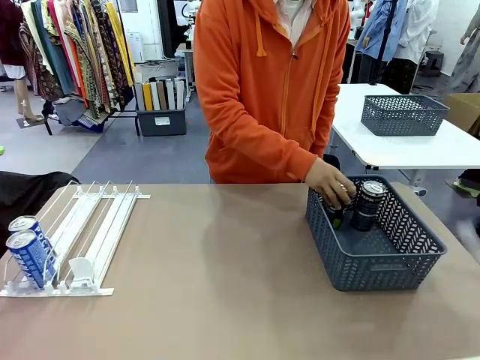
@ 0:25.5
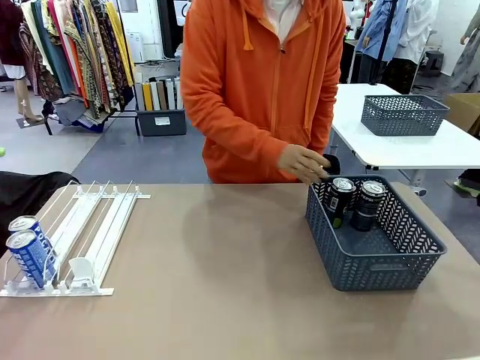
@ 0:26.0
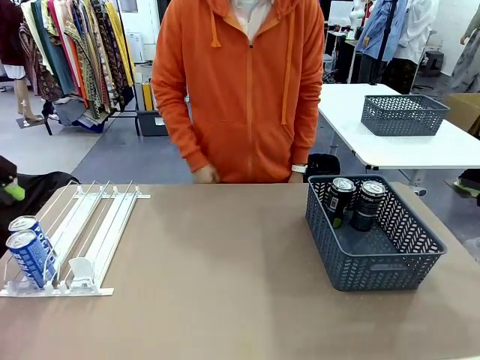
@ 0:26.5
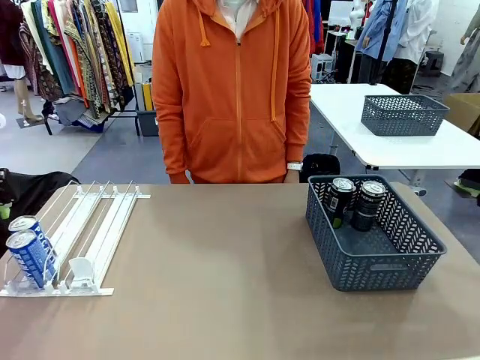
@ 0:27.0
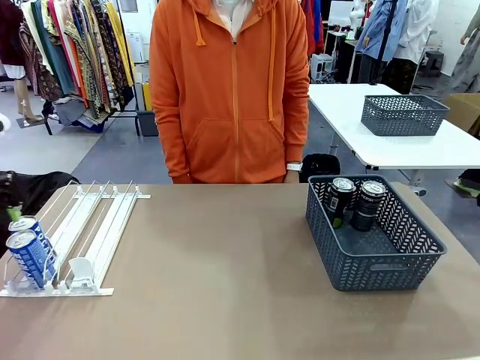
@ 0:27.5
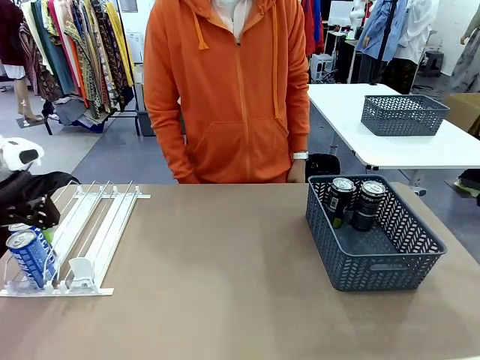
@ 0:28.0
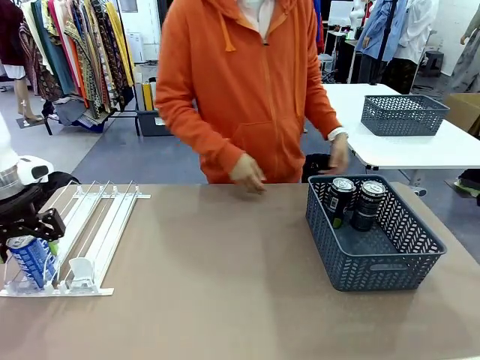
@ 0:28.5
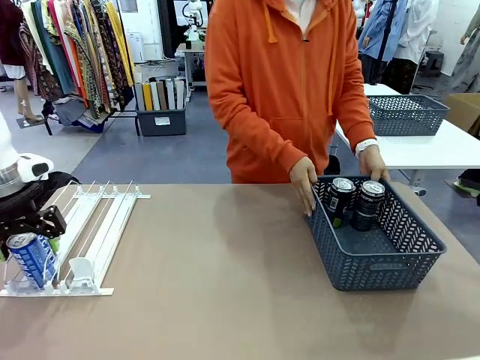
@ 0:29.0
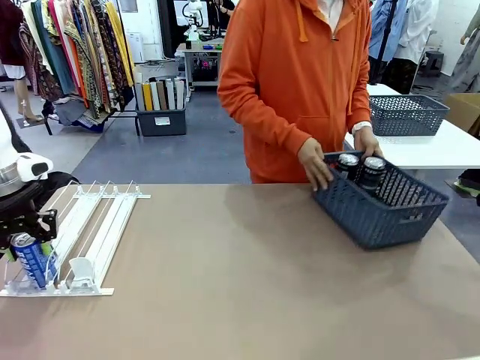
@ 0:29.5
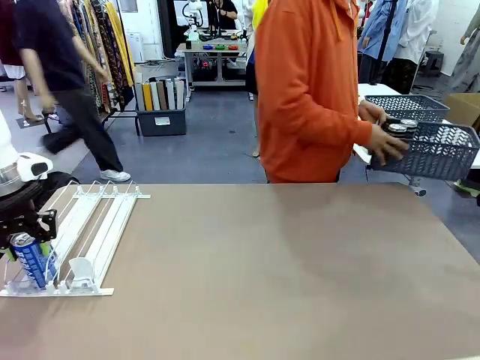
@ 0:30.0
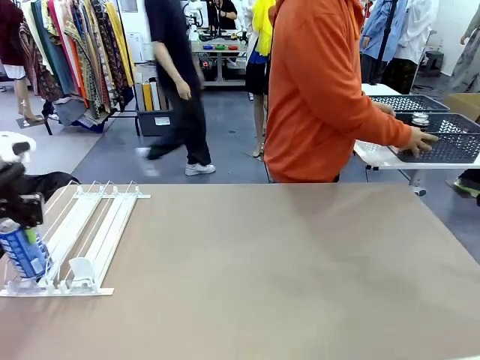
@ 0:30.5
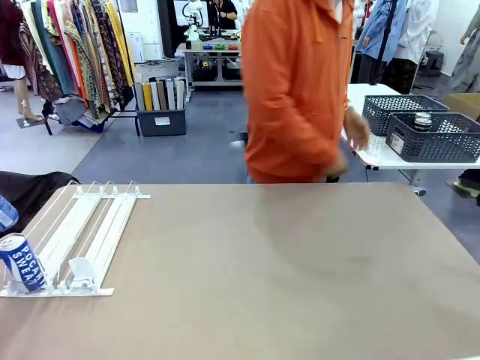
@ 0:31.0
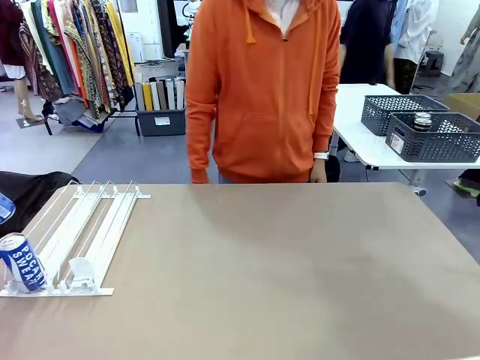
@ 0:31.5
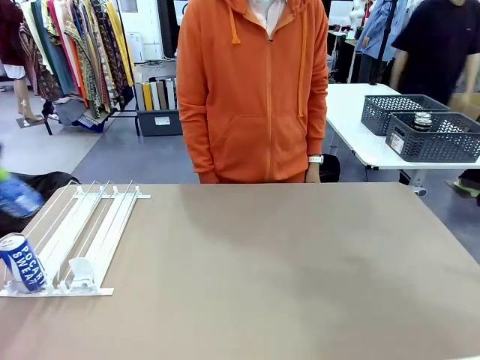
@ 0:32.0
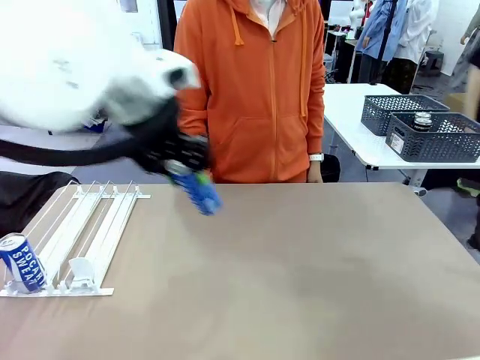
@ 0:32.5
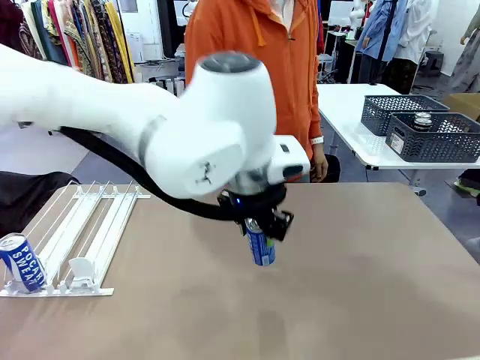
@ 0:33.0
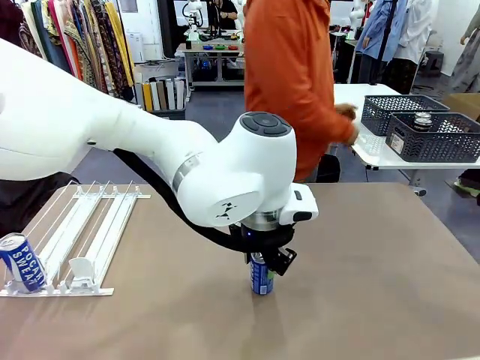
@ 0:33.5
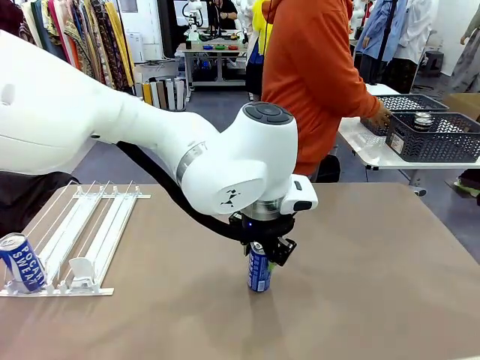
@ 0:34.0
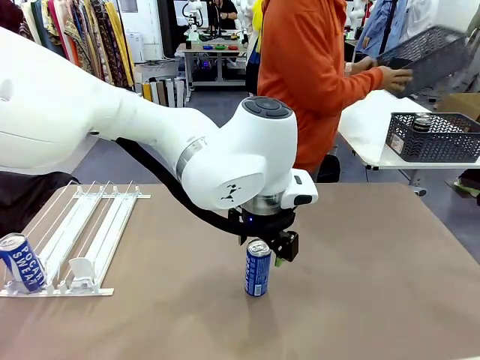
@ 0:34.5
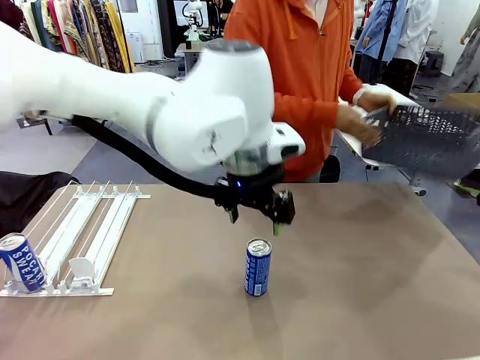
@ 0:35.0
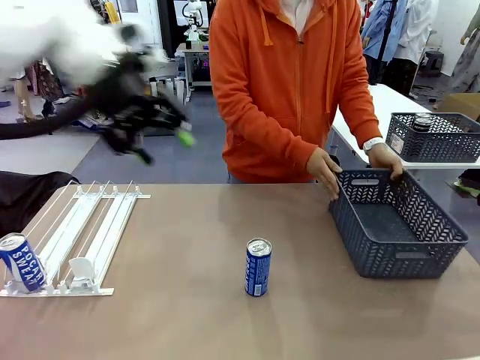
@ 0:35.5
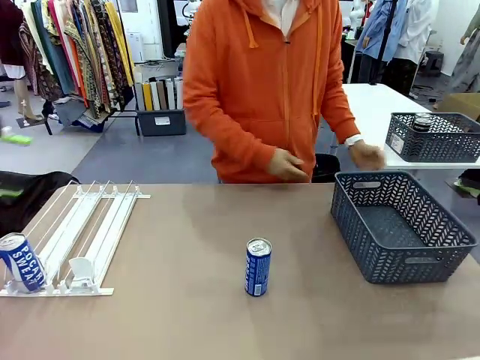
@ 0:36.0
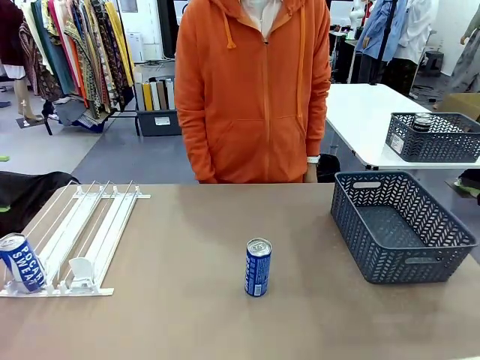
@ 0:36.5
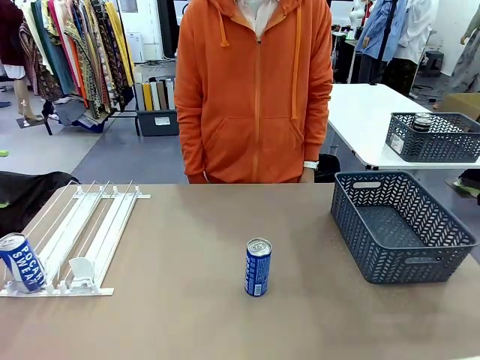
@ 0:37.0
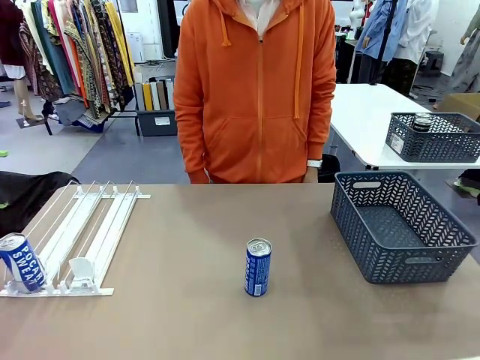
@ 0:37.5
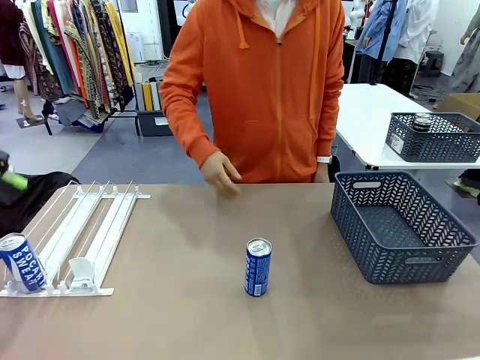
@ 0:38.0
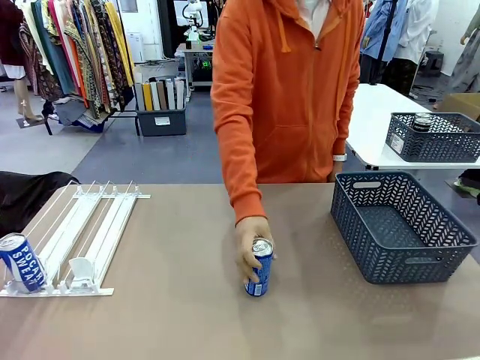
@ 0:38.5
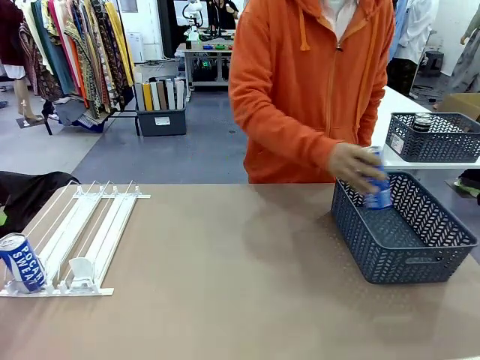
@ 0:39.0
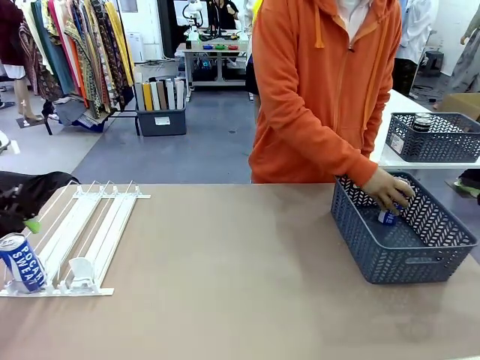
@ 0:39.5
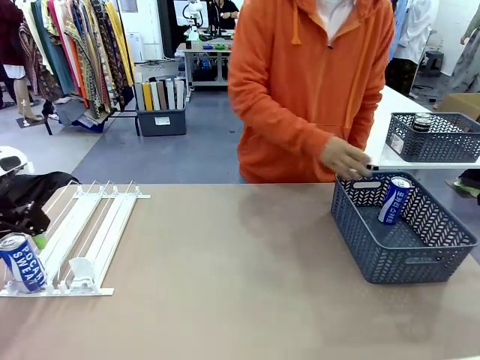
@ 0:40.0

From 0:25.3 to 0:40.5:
Task: Retrieve and store the cans from the dispenser.
Robot: Pick up one can from the Automatic Can Dispenser and place it in the middle of the table.
Person: Pick up the basket and place it in the middle of the human table. Pick up the empty basket and place it on the left side of the robot table.

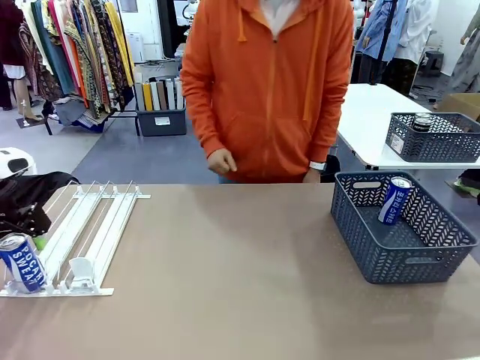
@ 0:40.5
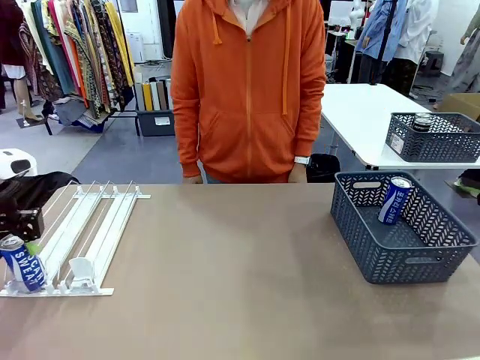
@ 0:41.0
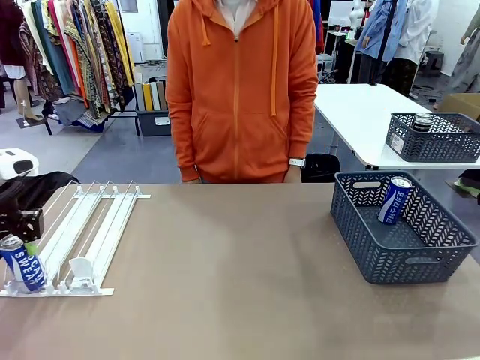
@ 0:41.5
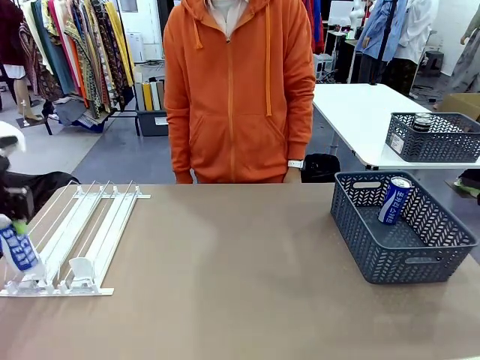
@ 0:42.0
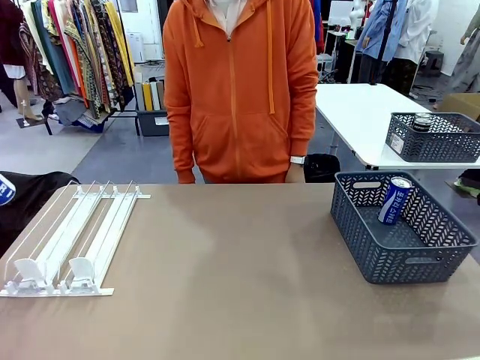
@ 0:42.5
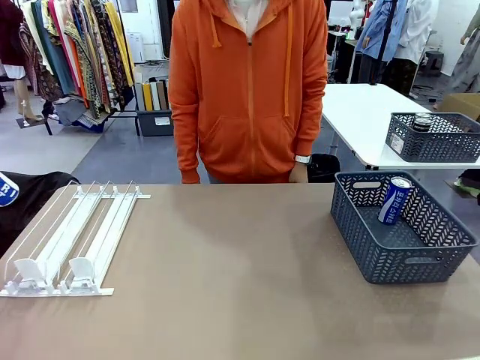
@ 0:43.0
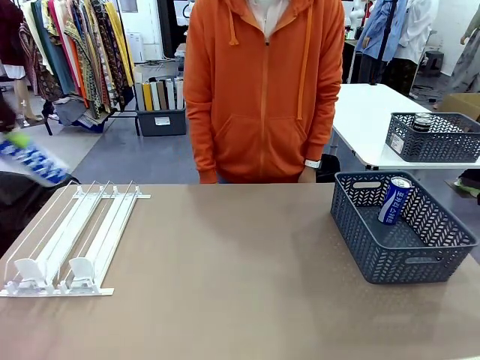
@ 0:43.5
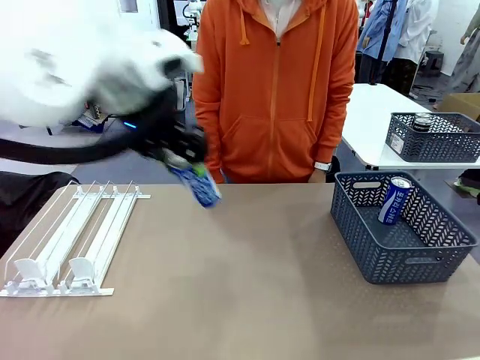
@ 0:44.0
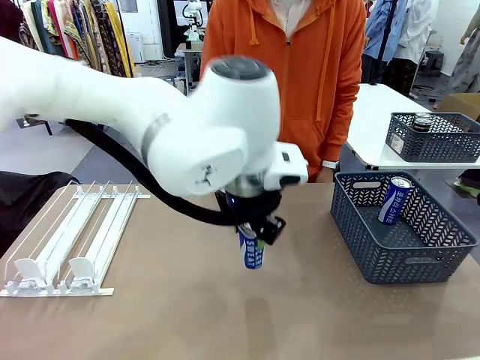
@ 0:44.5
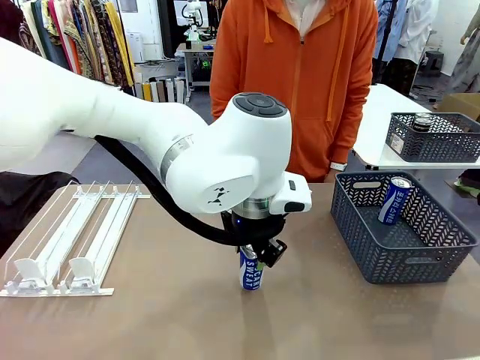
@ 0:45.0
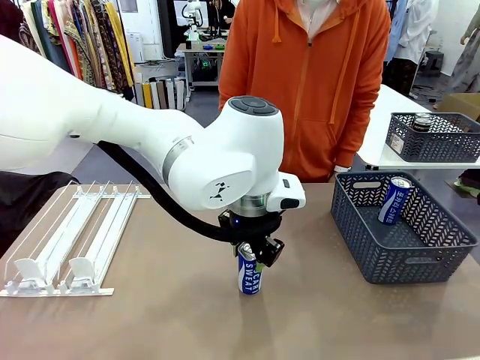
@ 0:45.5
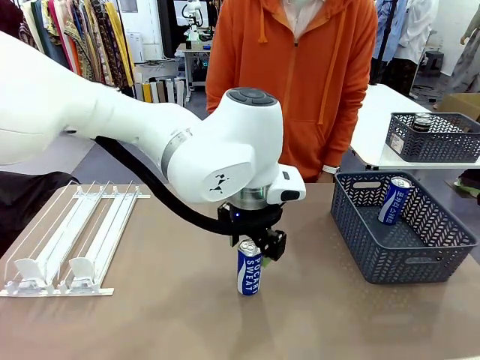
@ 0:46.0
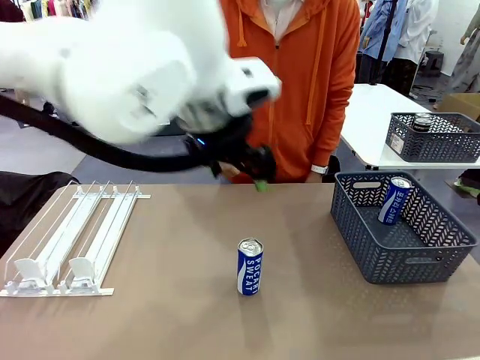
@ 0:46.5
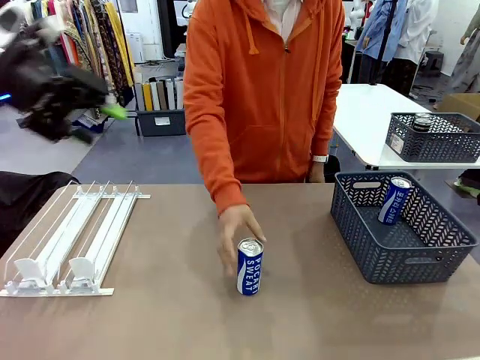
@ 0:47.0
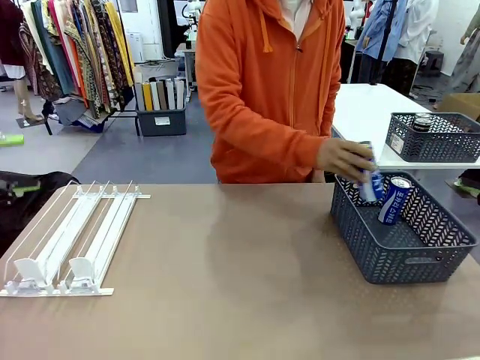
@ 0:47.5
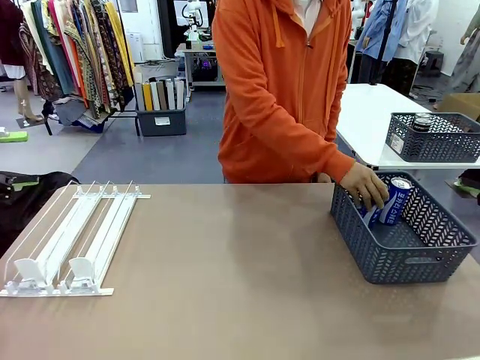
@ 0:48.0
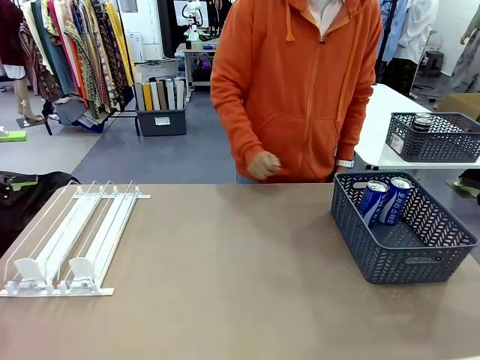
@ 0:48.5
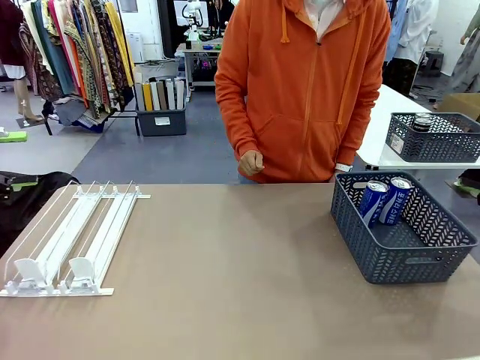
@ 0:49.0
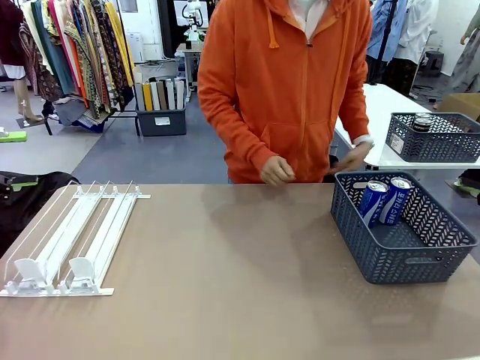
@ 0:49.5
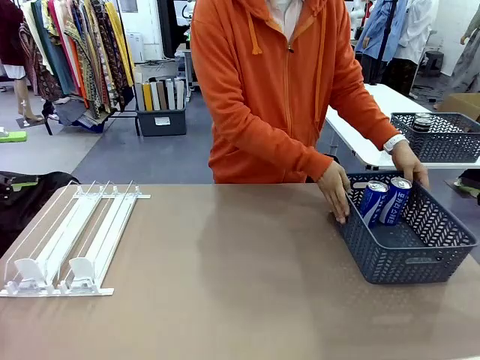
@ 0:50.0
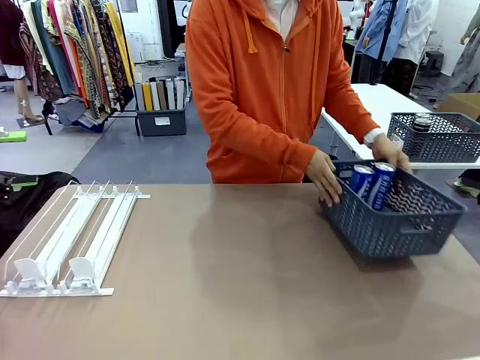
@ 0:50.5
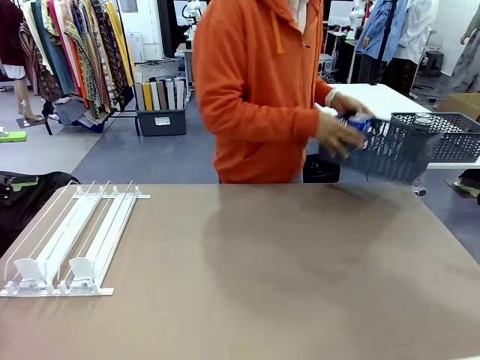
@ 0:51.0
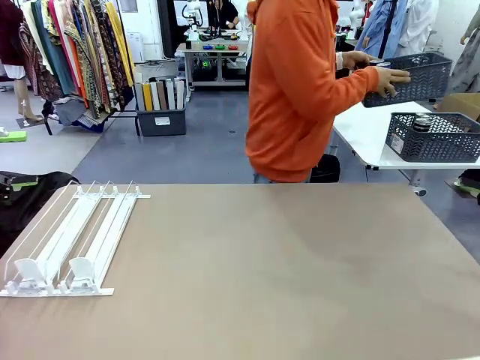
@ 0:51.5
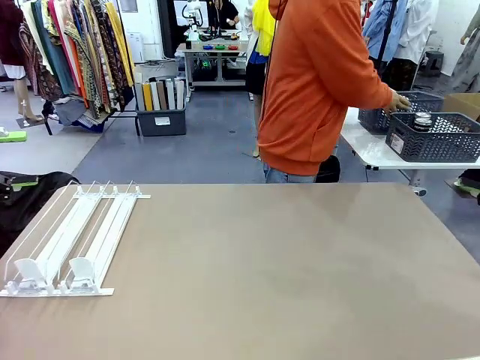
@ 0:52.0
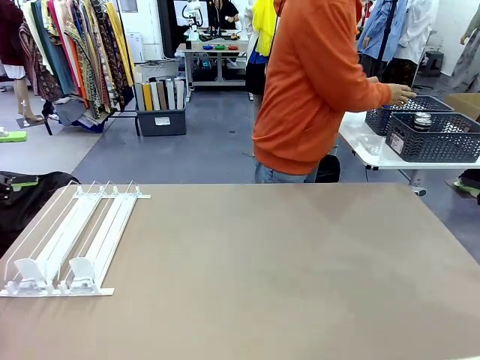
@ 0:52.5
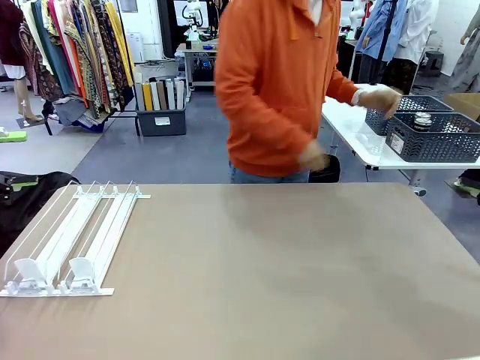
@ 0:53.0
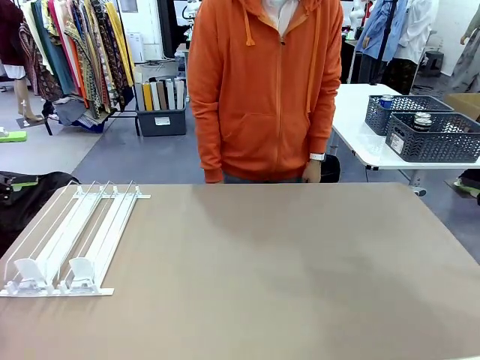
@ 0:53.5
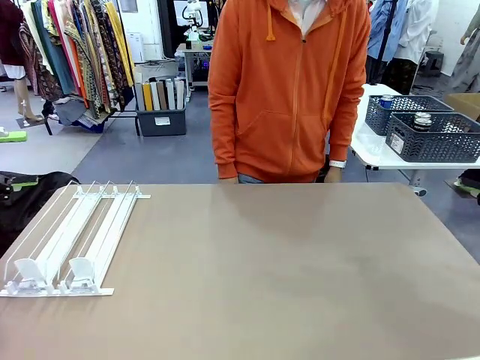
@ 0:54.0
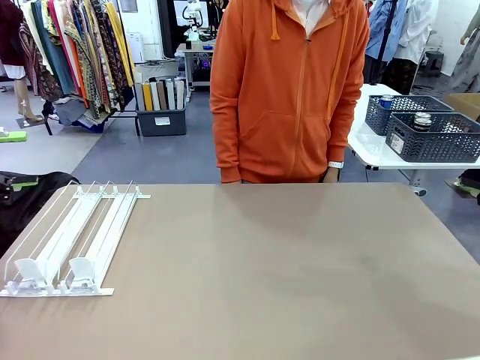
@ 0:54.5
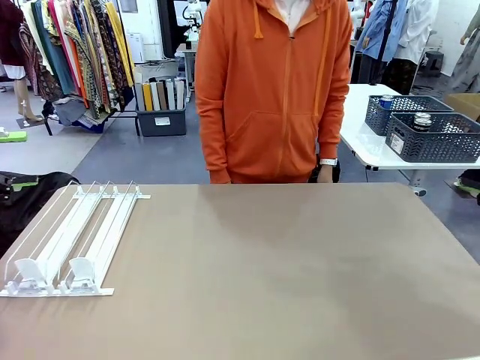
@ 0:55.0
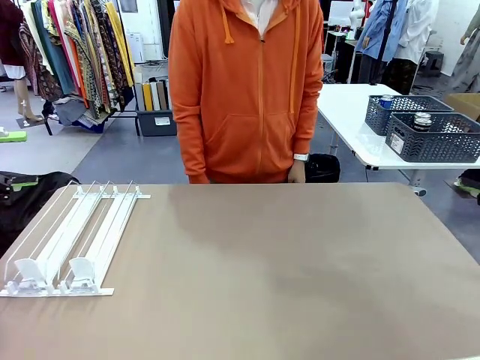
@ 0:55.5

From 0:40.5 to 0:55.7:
Robot: Pick up one can from the Automatic Can Dispenser and place it in the middle of the table.
Person: Pick up one sports drink can from the middle of the robot table and place it in the basket. Pick up the basket and place it in the middle of the human table.
